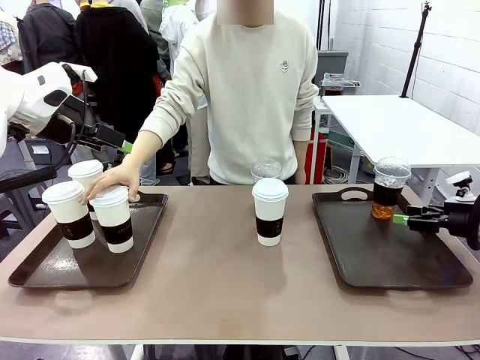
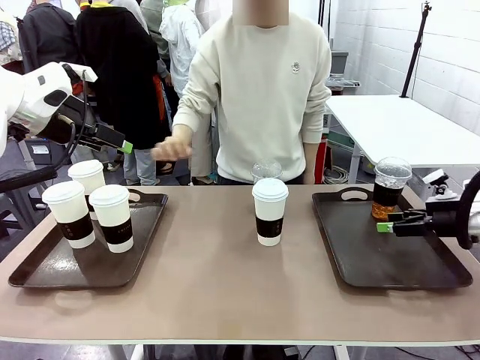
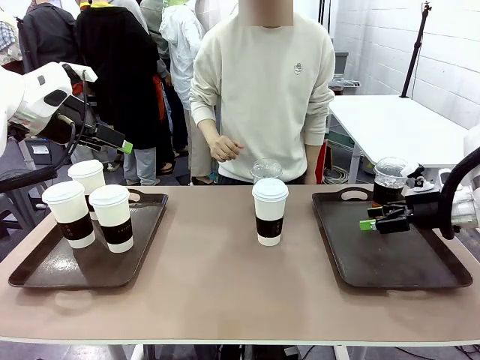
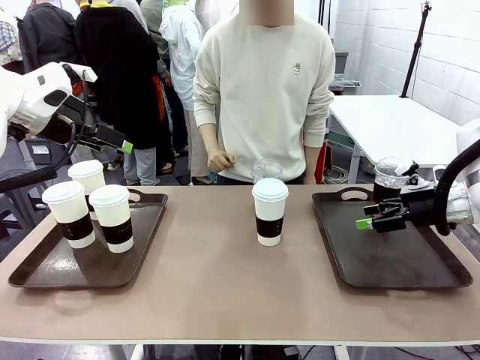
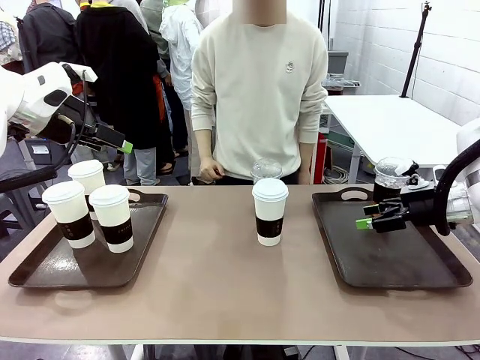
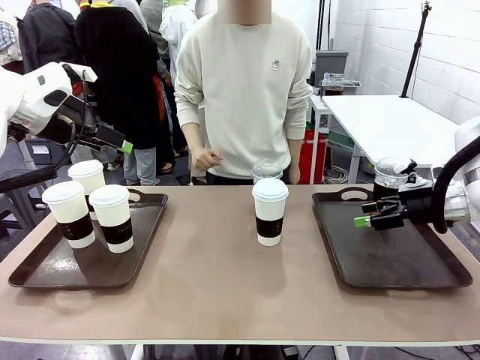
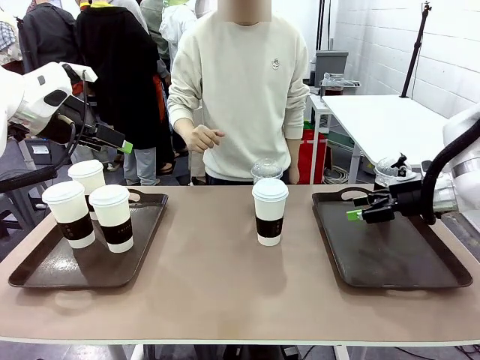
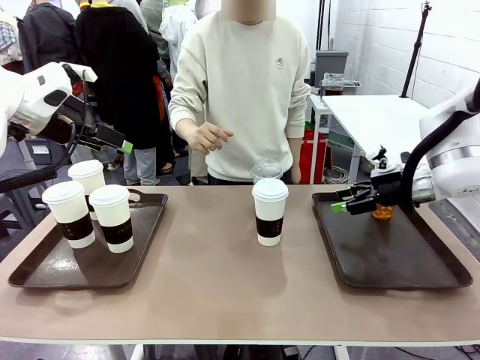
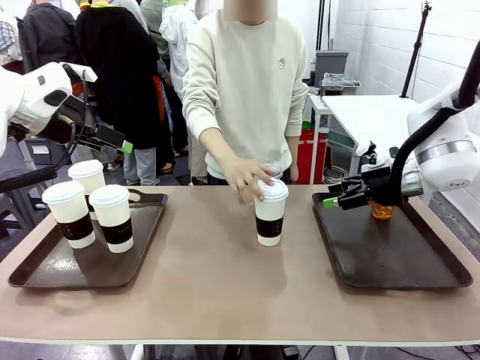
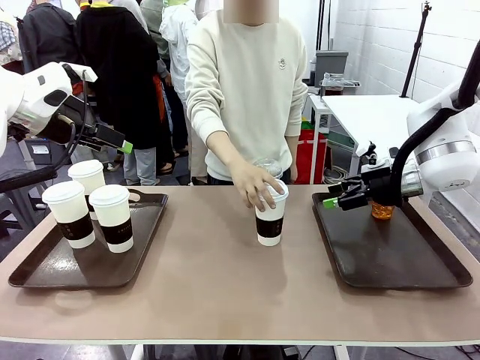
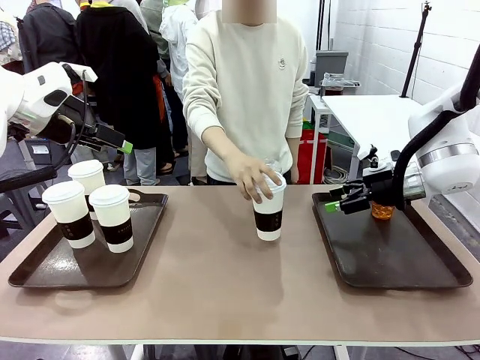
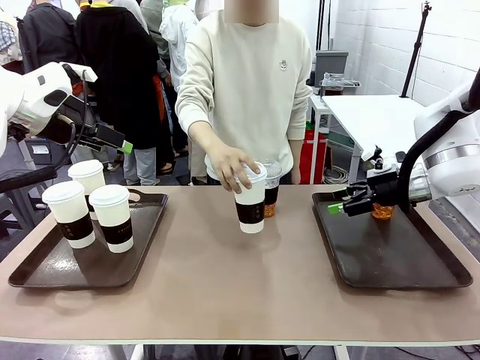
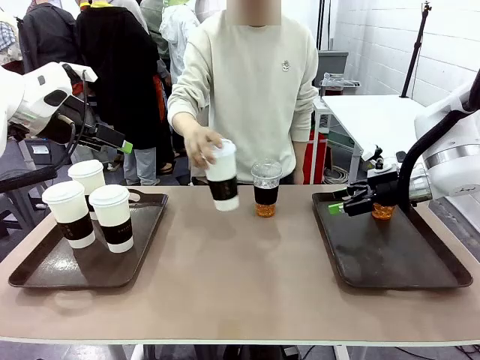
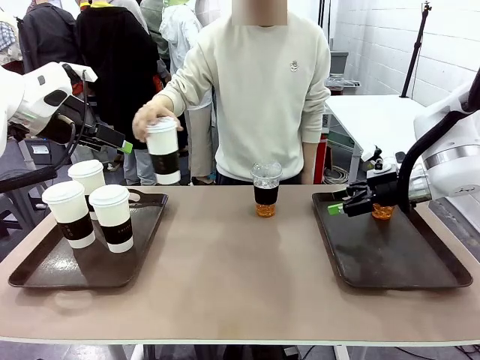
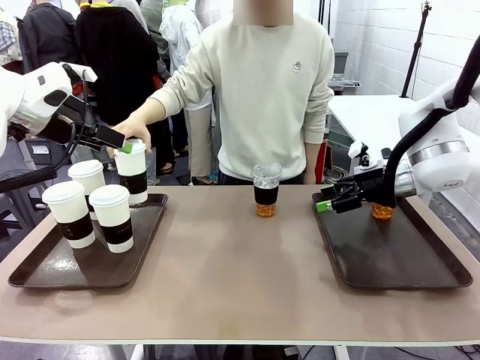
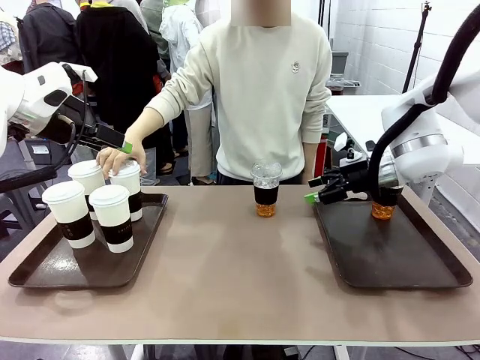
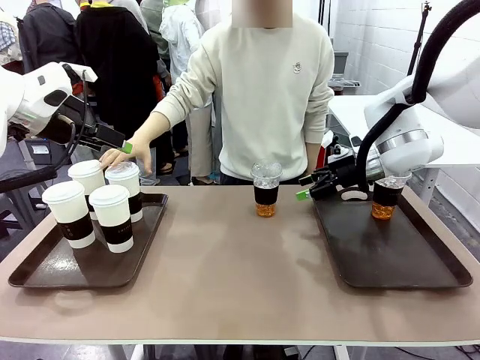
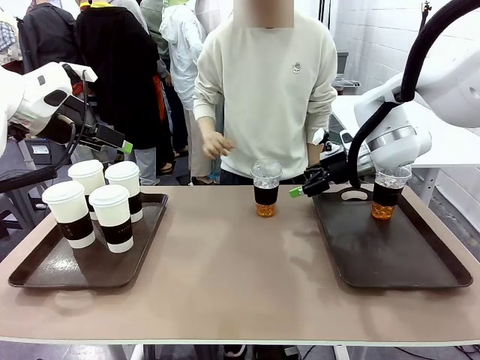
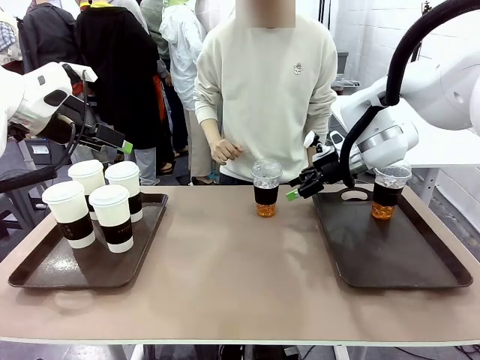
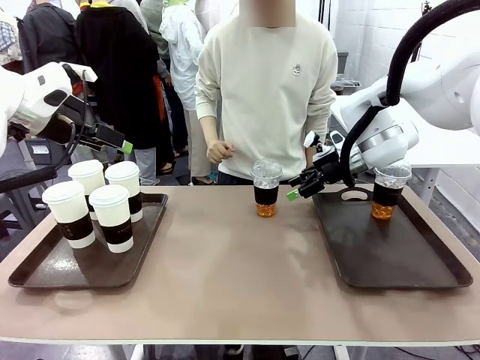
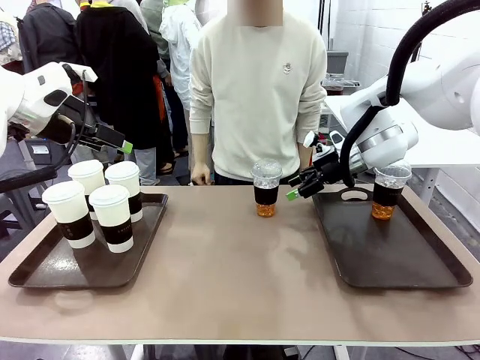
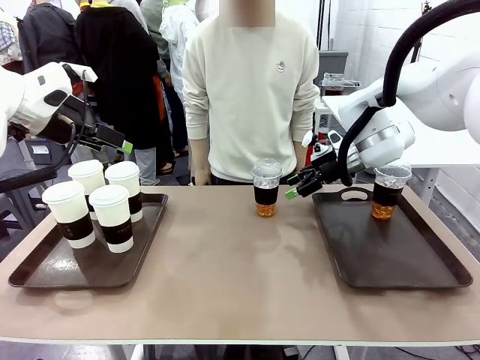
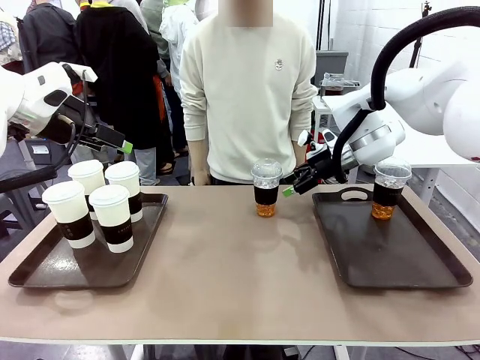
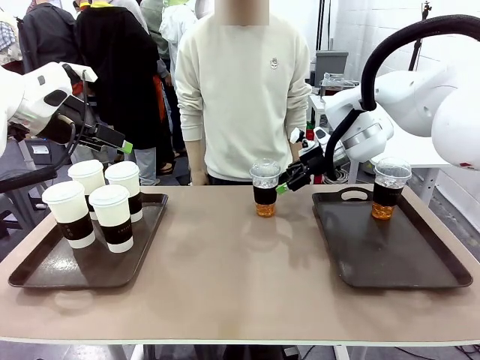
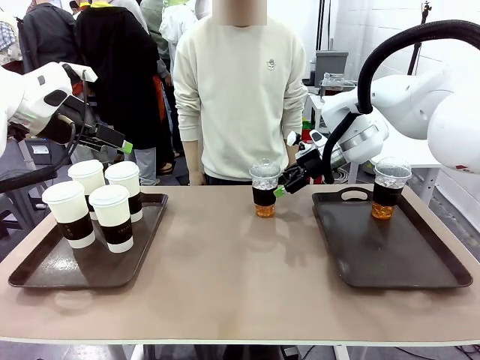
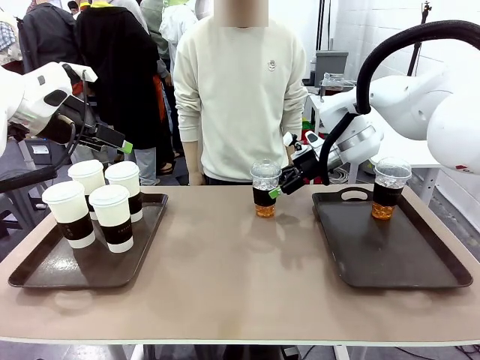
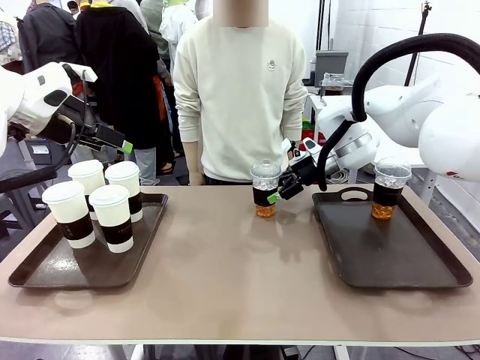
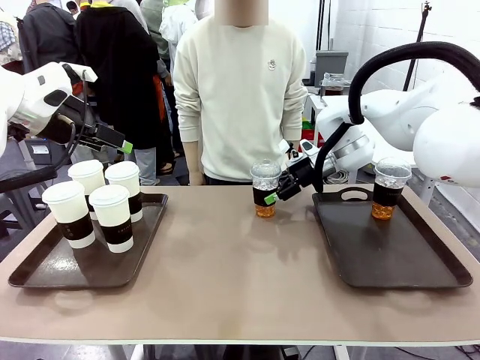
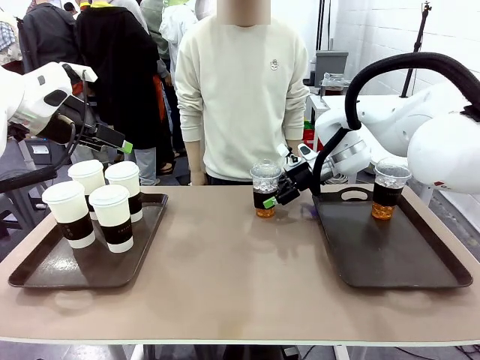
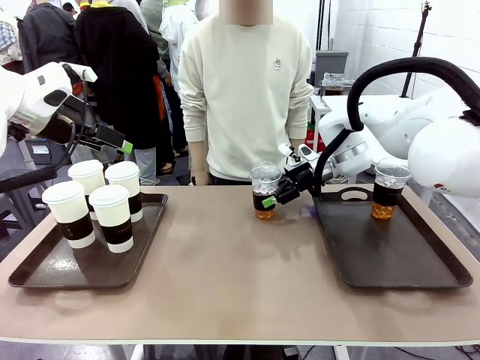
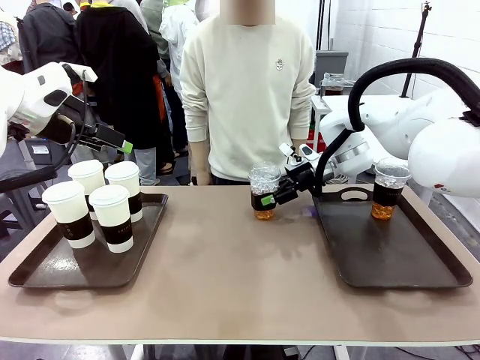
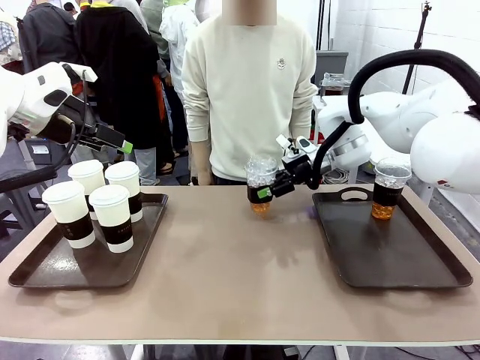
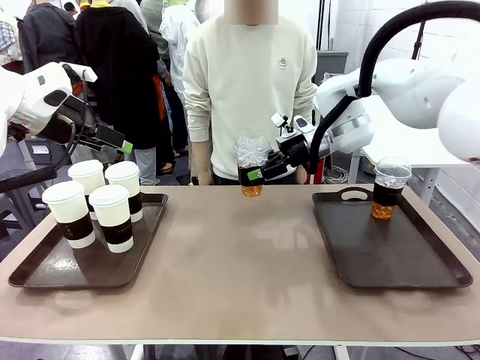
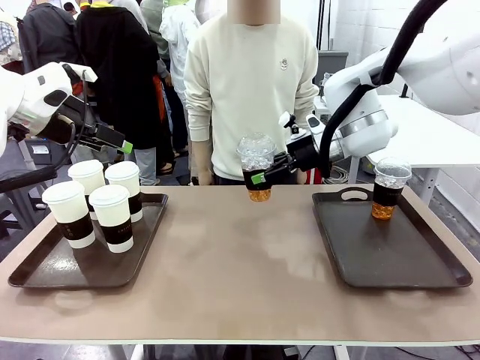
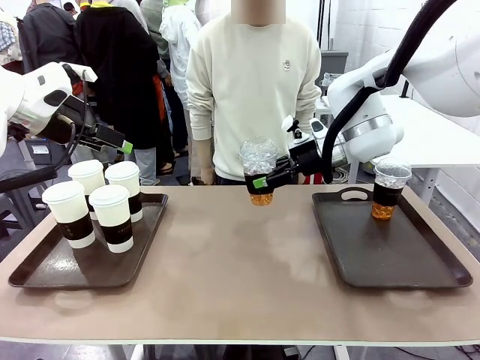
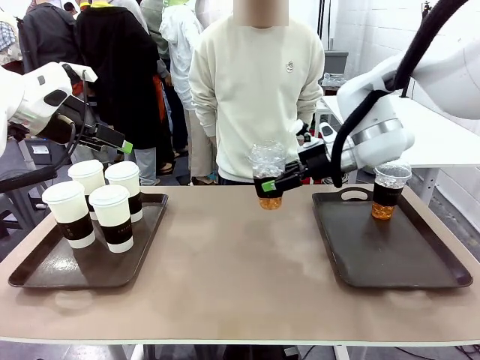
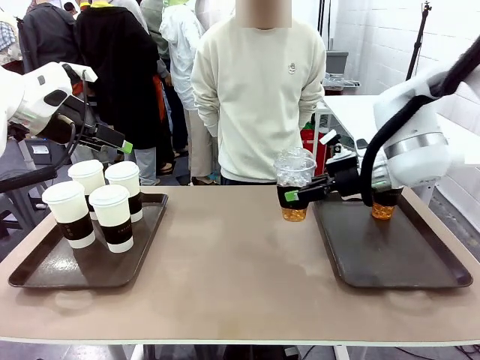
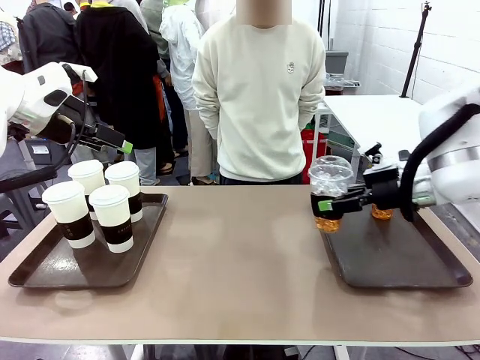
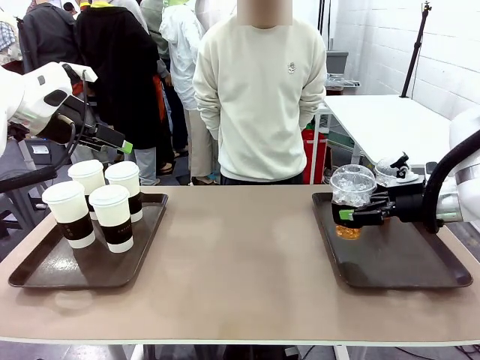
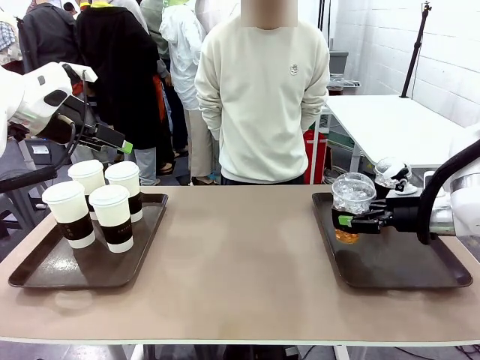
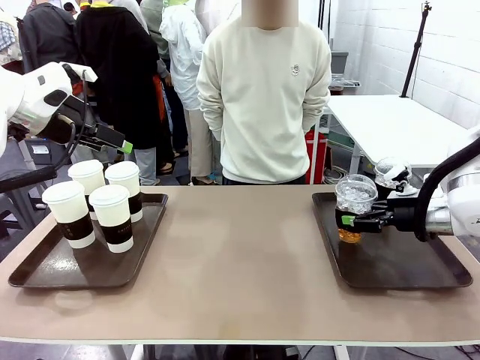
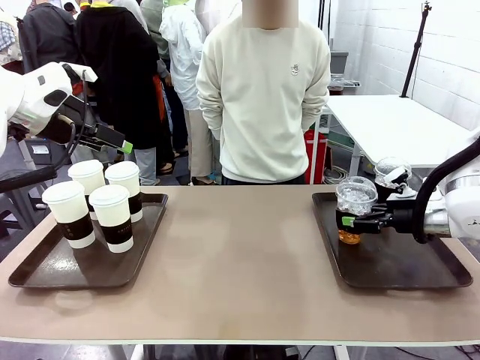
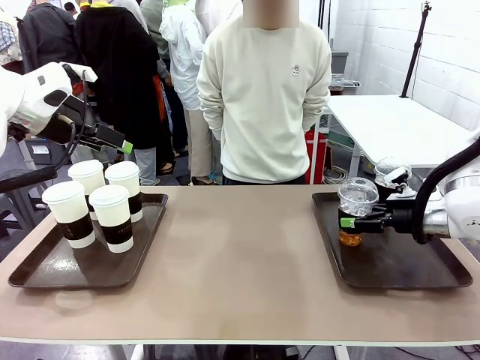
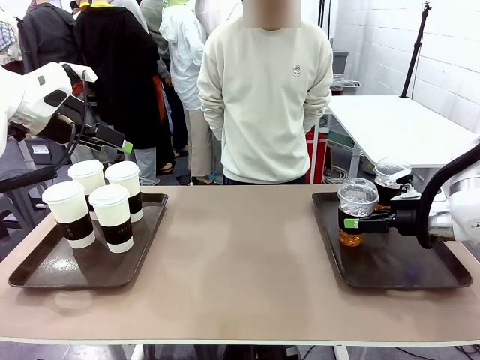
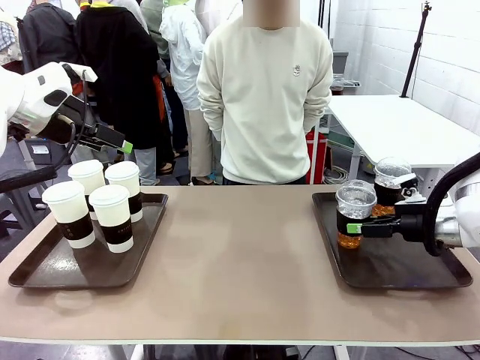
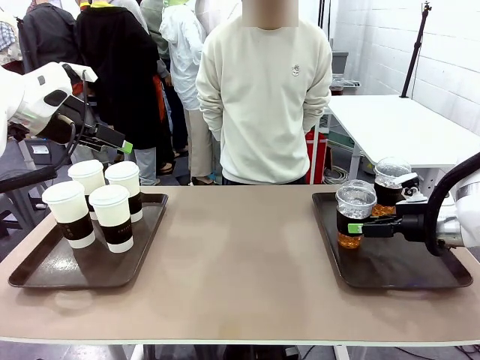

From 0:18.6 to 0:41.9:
Task: Distribute the coffee onto the tray.
Robot: Pick up another iced Americano from the middle of the table and place it on the right Handle tray.
Person: Pick up a cup of hot Americano from the middle of the table and place it on the right tray.
